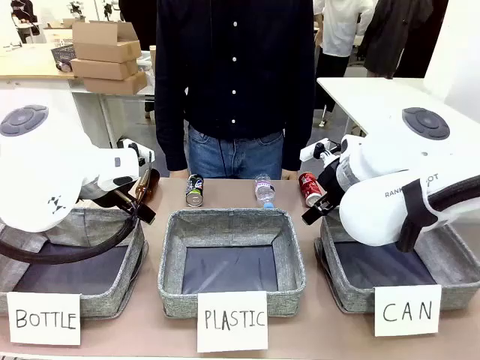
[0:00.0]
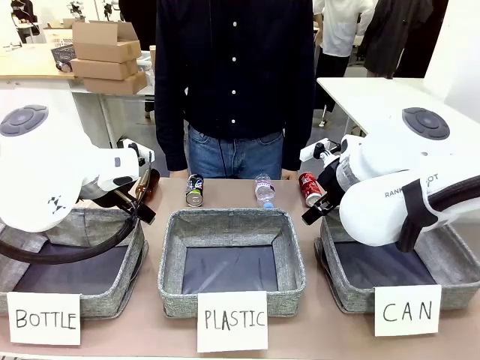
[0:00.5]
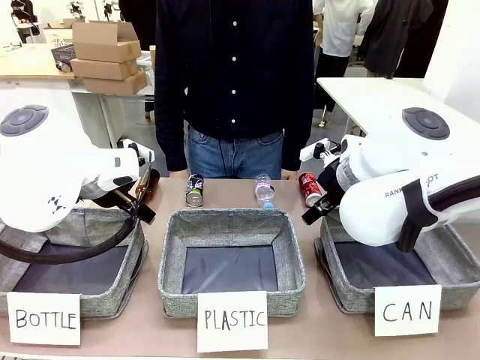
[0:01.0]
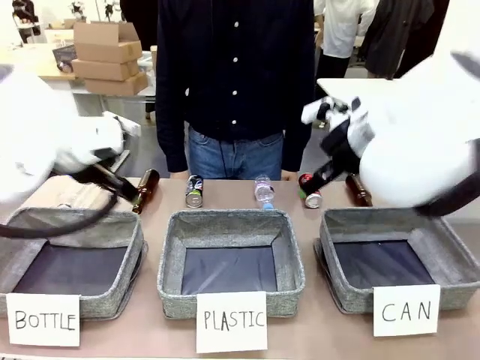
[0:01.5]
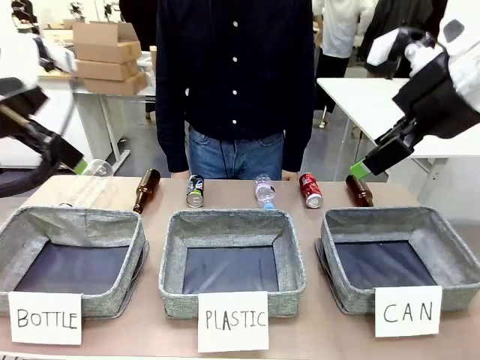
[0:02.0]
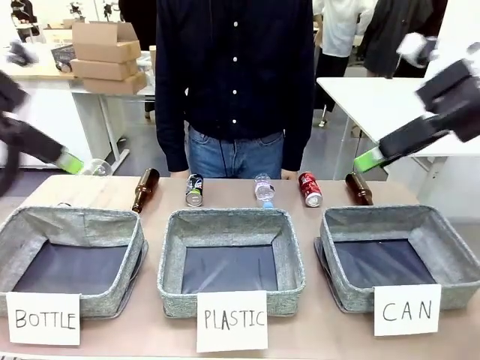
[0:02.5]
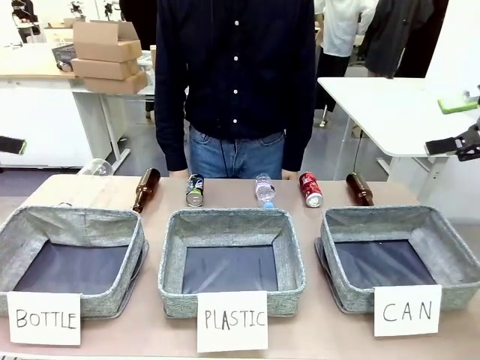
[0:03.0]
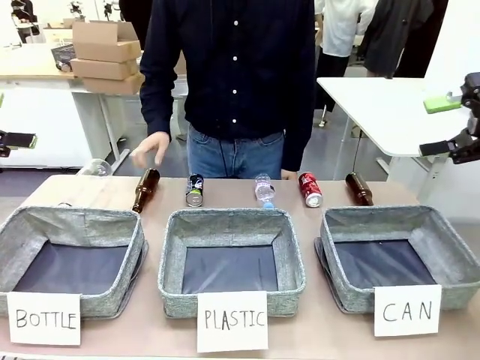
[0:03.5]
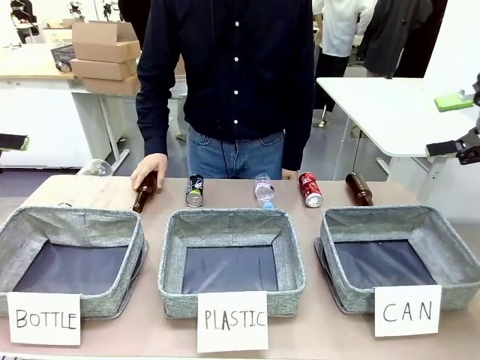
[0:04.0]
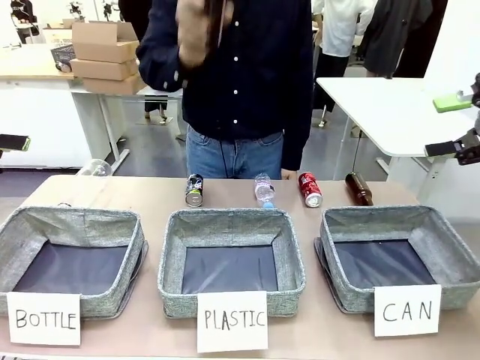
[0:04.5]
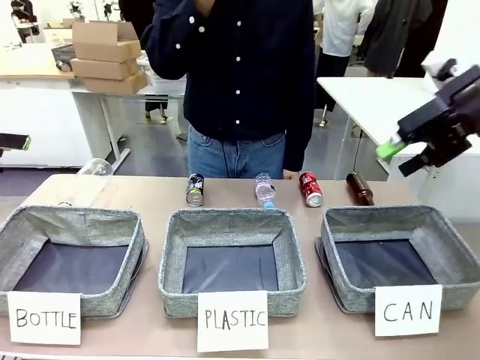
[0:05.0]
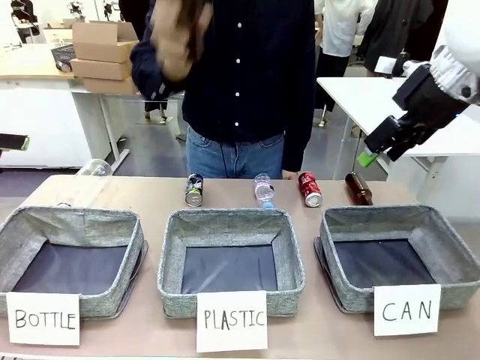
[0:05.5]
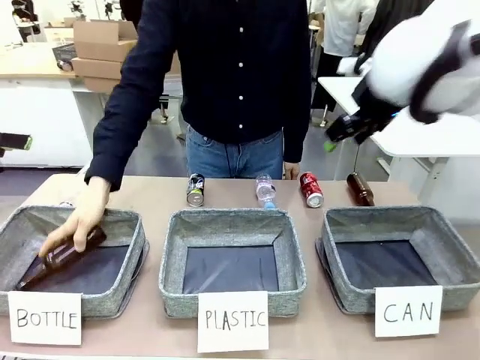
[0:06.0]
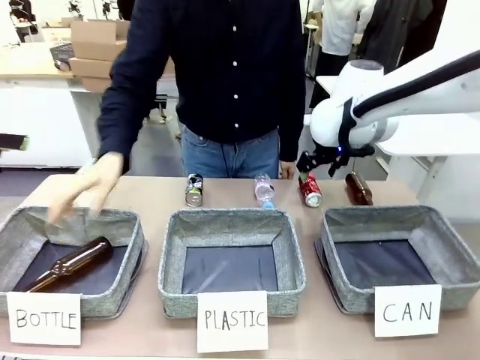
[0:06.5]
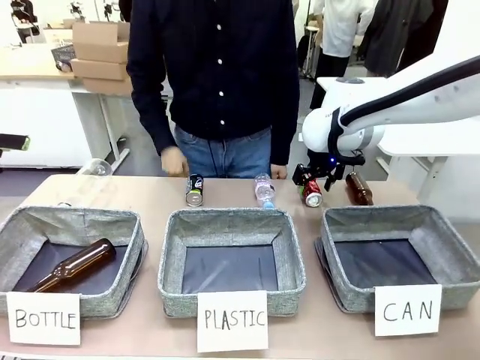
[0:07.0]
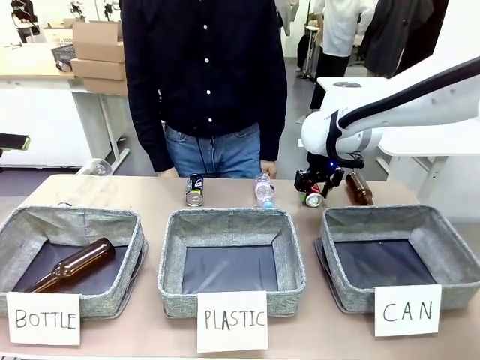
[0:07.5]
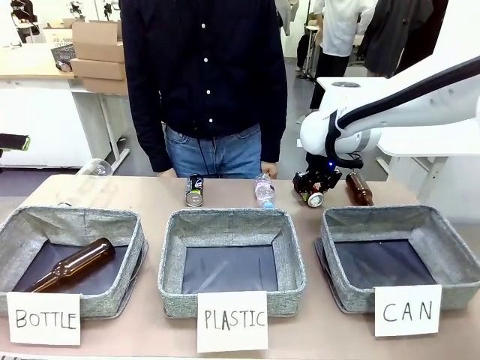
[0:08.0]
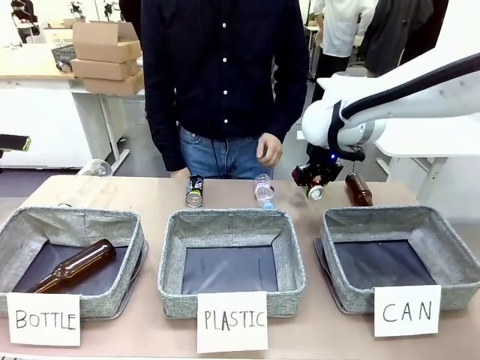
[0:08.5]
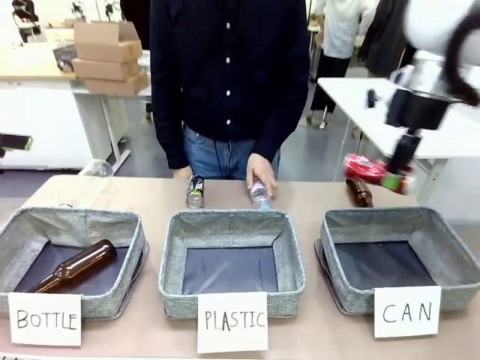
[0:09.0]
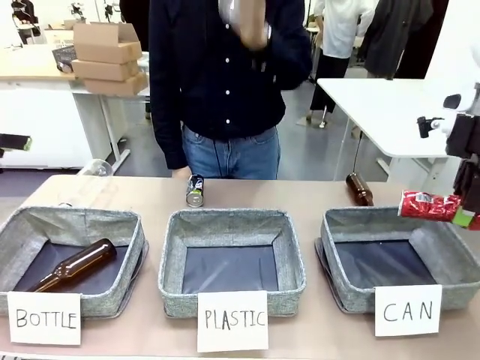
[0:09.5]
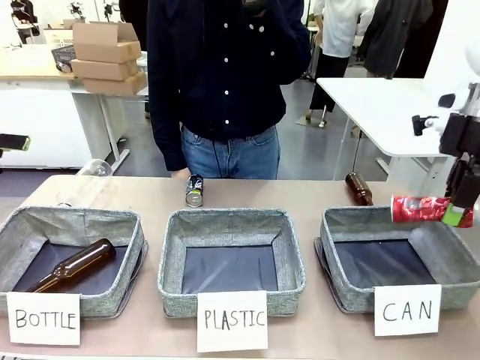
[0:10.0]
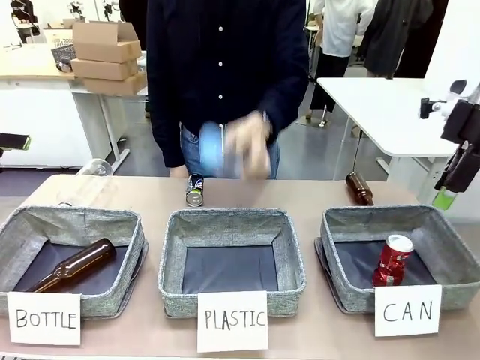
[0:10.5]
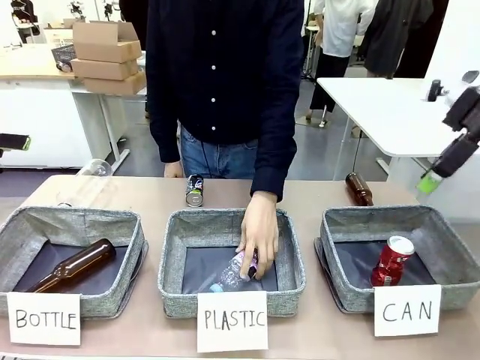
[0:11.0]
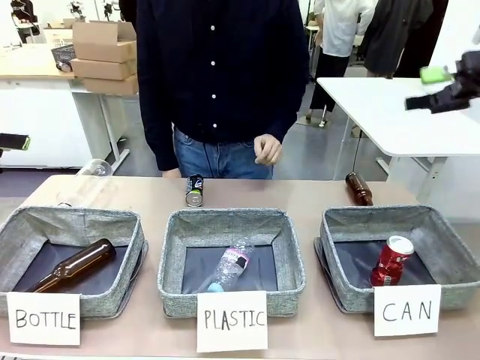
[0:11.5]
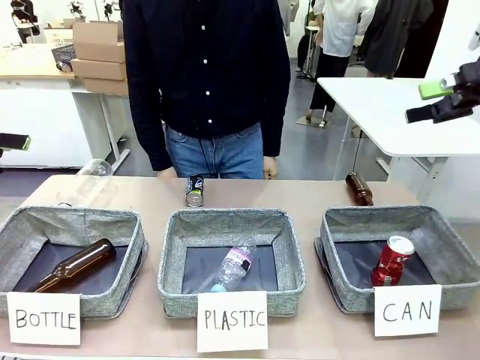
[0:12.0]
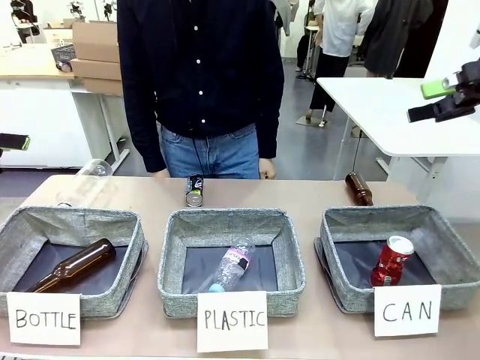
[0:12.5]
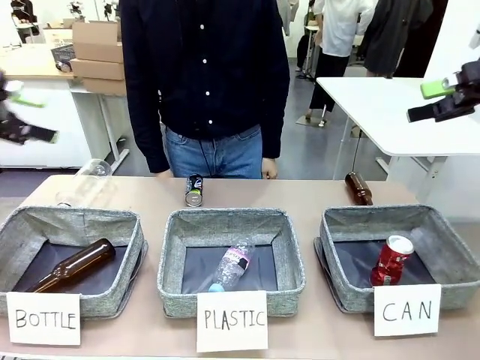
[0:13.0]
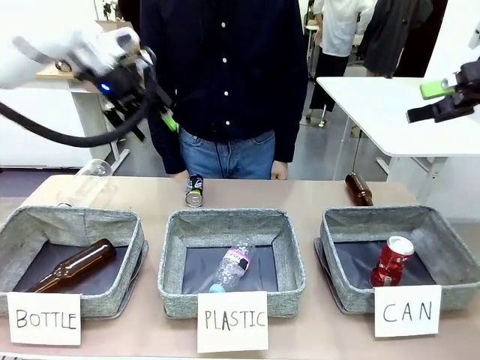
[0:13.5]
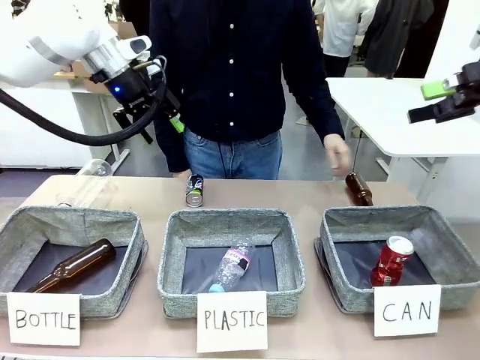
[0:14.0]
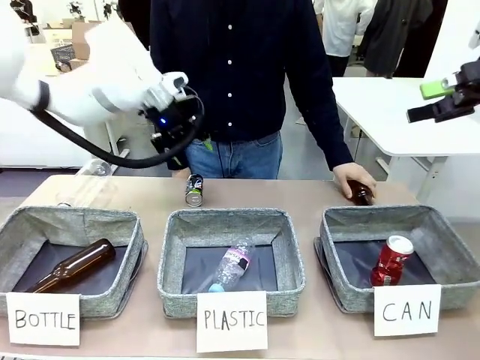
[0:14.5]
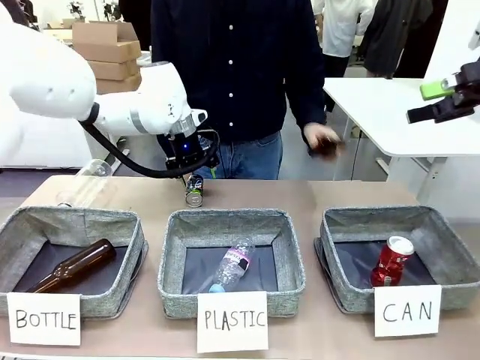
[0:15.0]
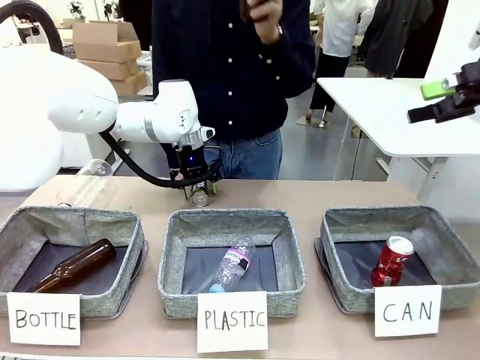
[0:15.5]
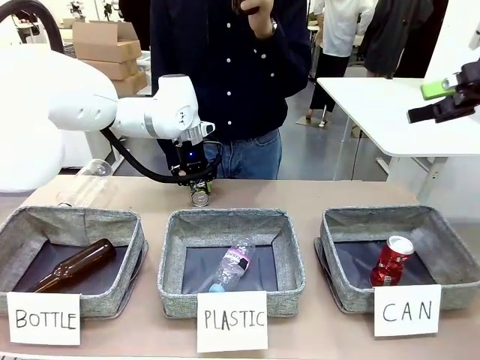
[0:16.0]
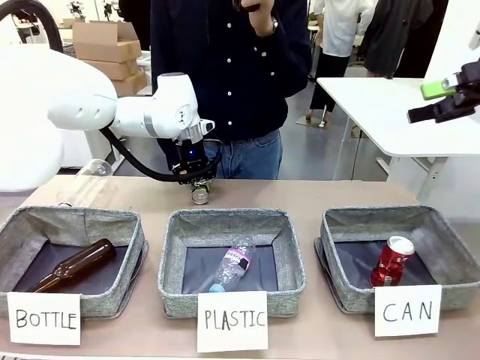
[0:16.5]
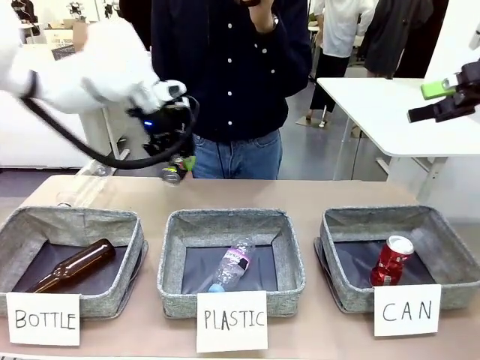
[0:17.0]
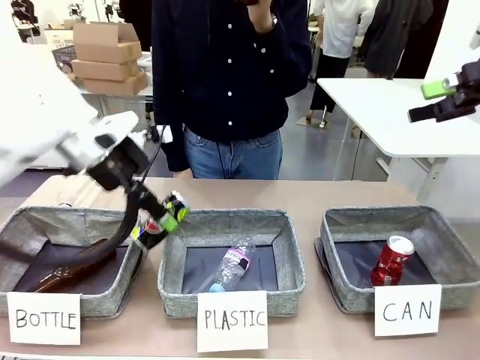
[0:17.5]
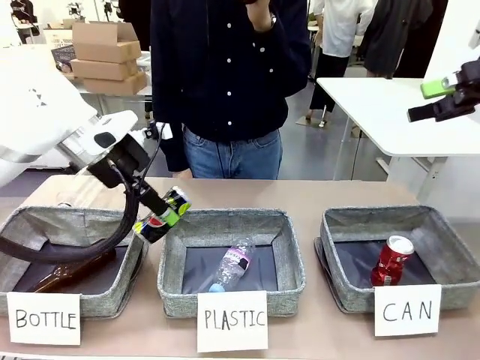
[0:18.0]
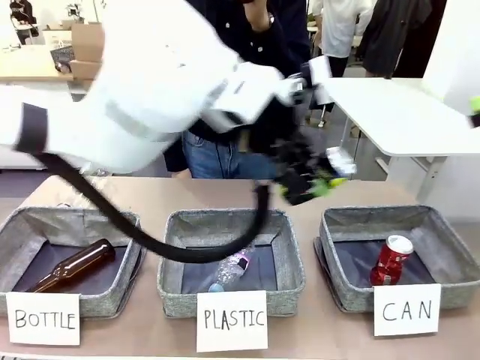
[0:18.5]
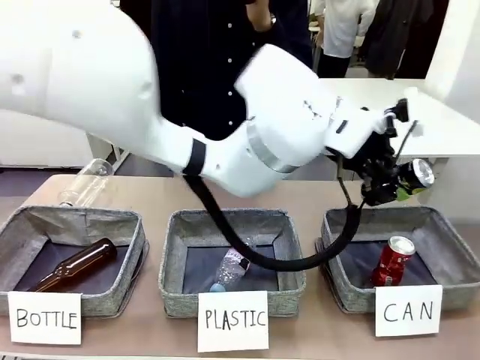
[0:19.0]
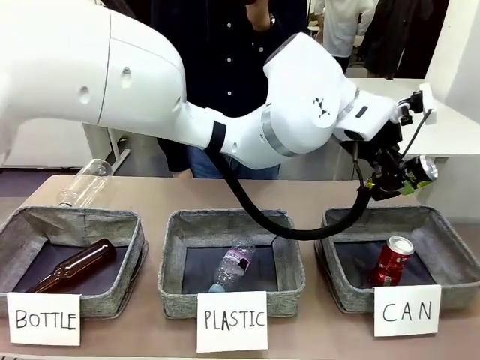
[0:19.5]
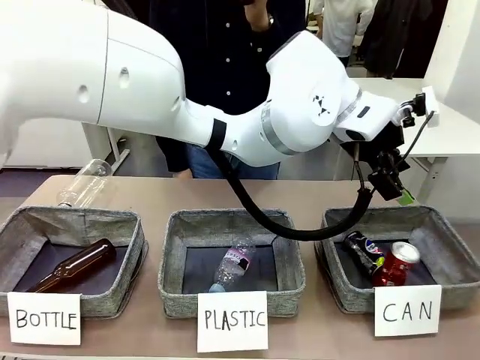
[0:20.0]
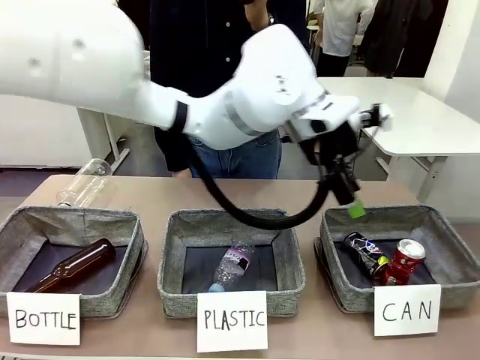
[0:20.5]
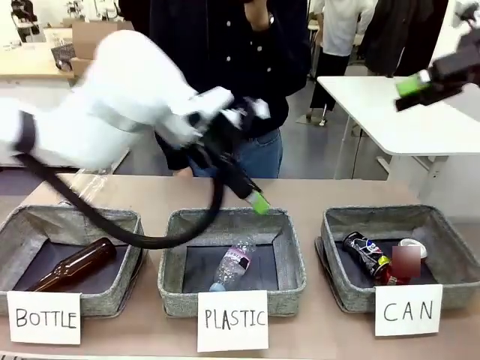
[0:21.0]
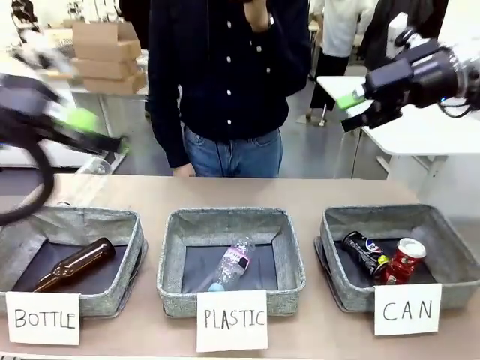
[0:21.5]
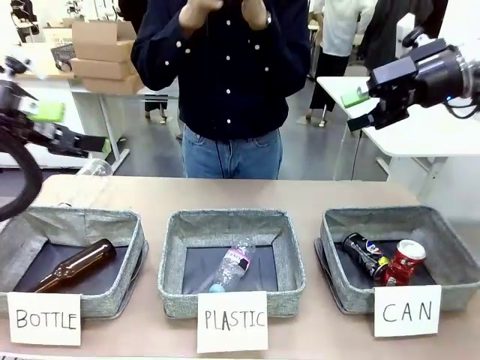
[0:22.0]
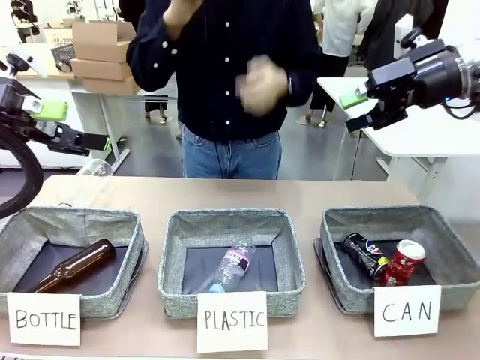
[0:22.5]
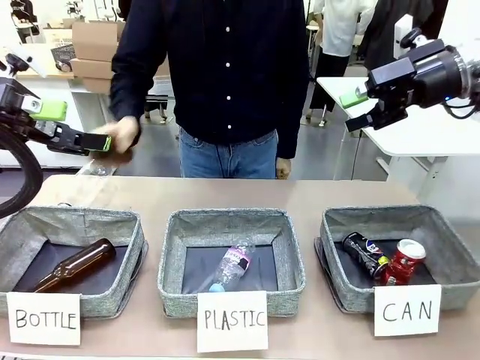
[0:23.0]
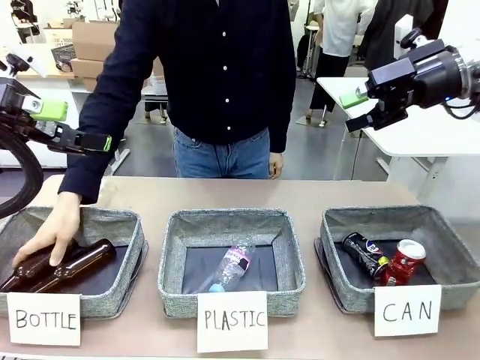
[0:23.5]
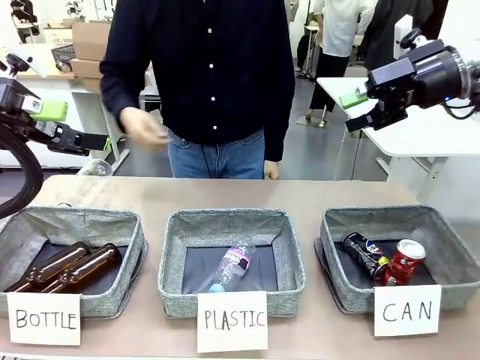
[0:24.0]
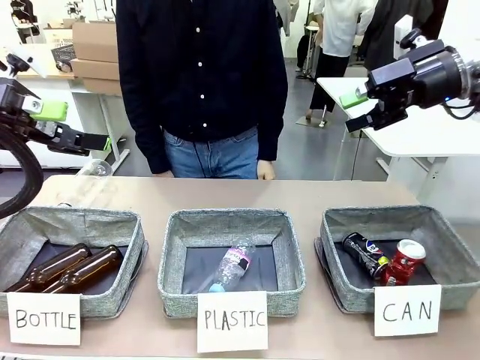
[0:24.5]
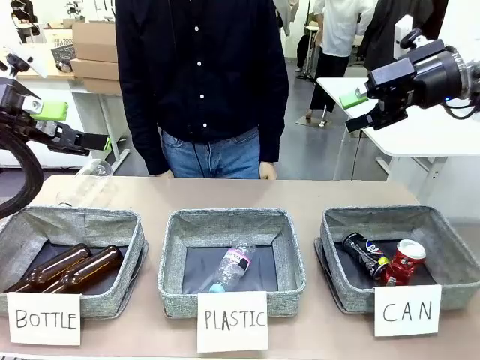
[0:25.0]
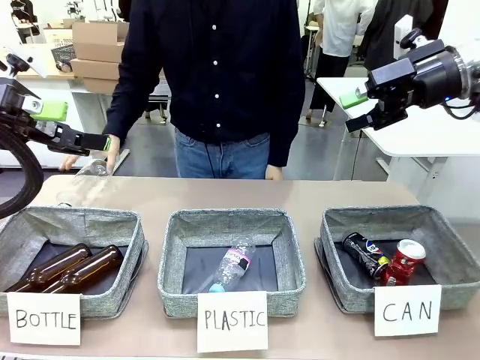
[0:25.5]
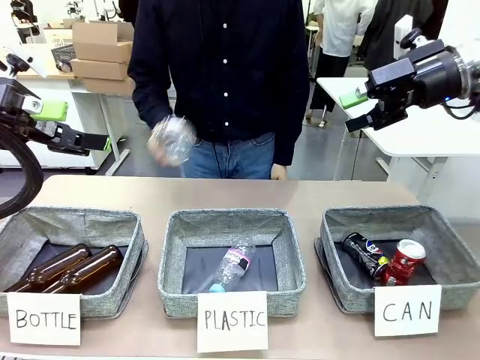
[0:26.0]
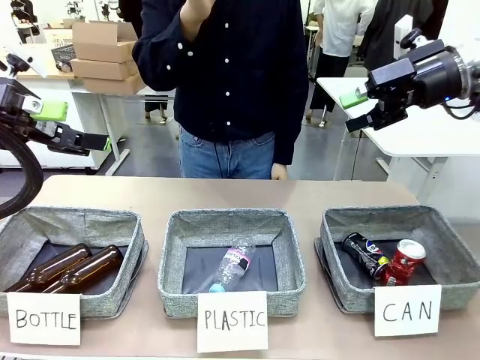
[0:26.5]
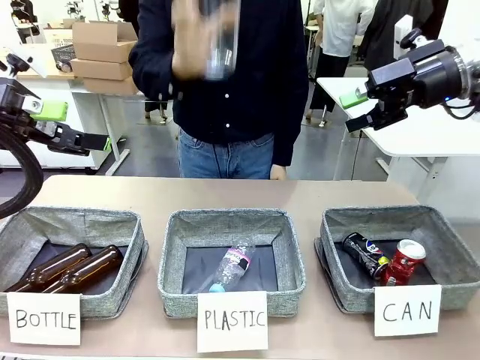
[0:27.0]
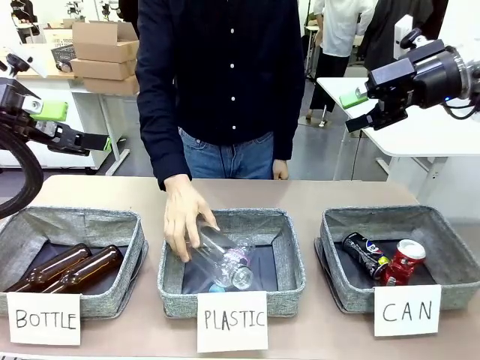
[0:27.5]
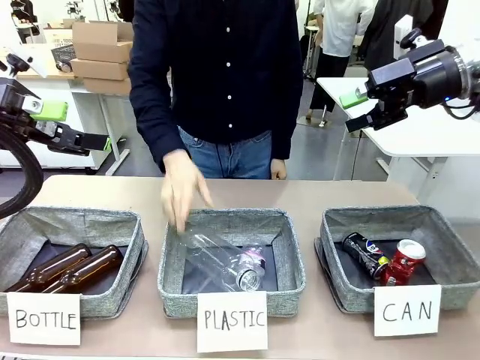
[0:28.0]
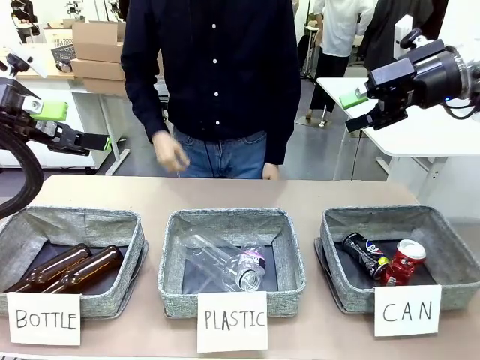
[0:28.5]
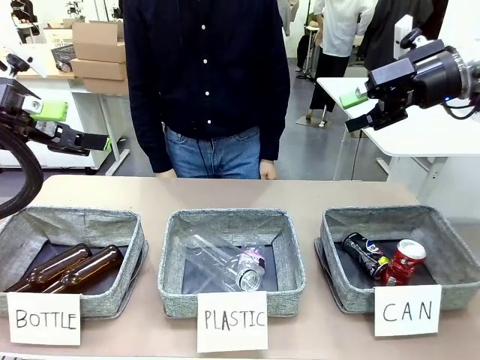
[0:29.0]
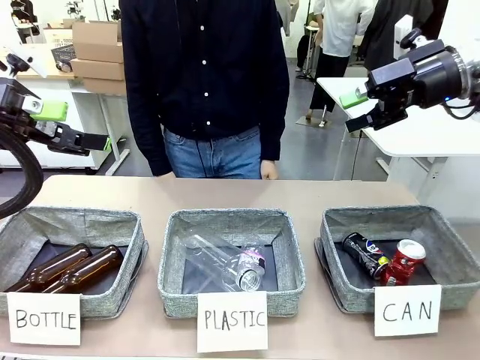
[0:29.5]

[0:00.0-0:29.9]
Task: Sort the can waste into the basket.
Robot: Pick up the can waste from the table and place it in the right Fabric basket.
Person: The human picks up one piece of trash that is not a can and places the trash into the appropriate organizing basket.
